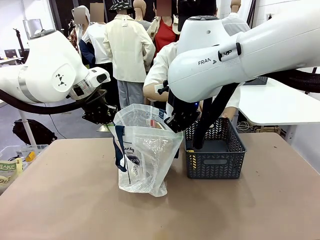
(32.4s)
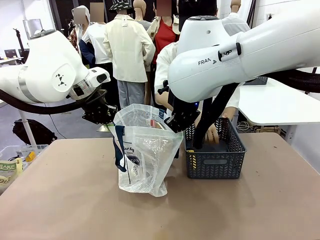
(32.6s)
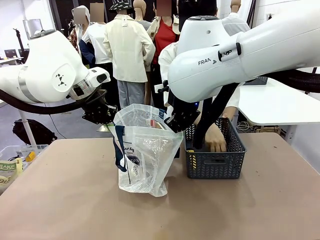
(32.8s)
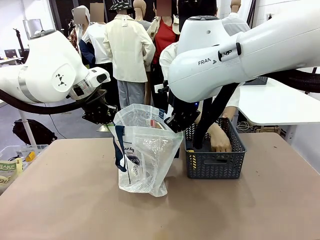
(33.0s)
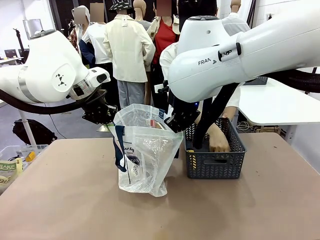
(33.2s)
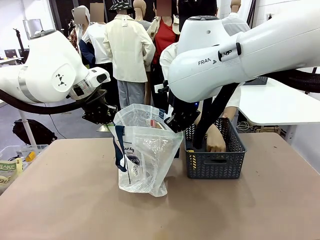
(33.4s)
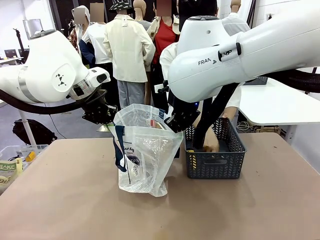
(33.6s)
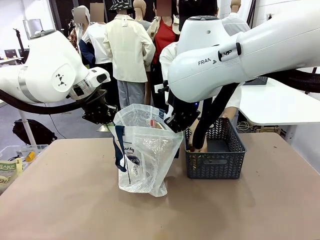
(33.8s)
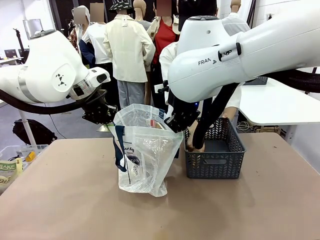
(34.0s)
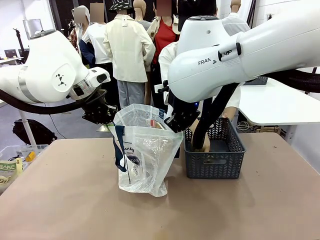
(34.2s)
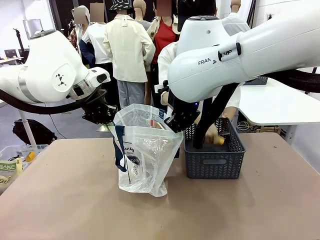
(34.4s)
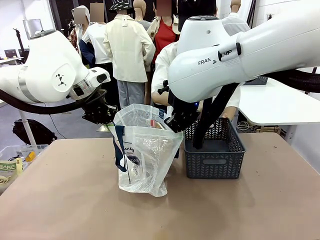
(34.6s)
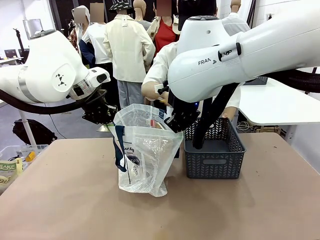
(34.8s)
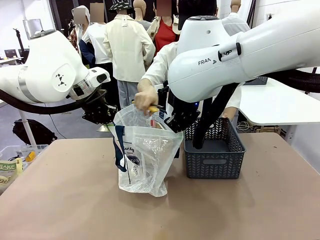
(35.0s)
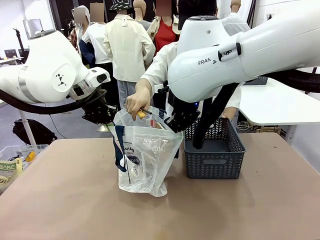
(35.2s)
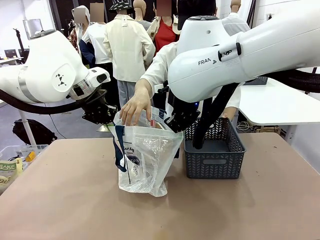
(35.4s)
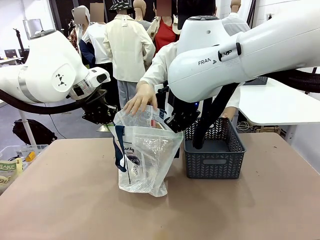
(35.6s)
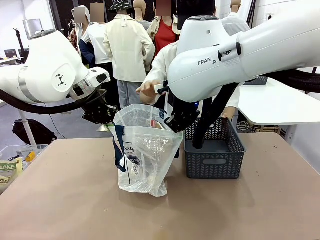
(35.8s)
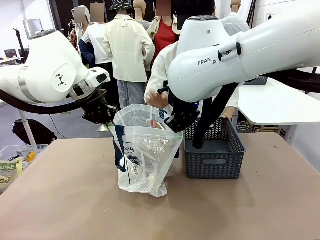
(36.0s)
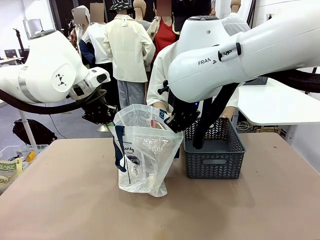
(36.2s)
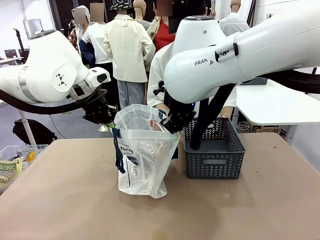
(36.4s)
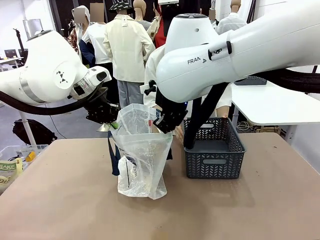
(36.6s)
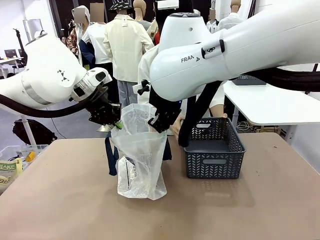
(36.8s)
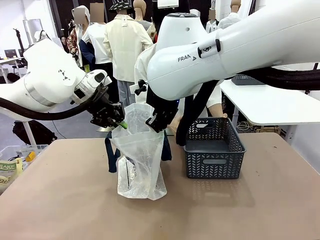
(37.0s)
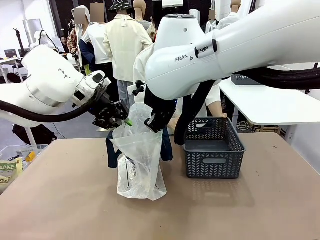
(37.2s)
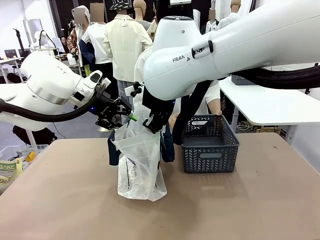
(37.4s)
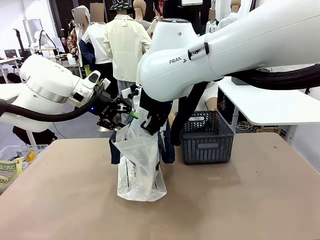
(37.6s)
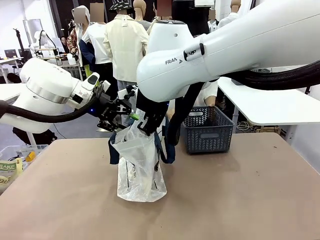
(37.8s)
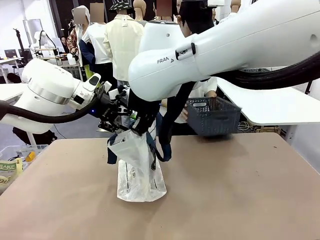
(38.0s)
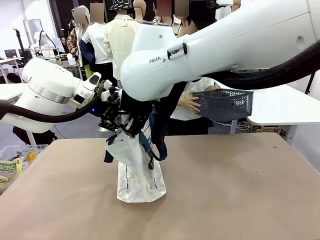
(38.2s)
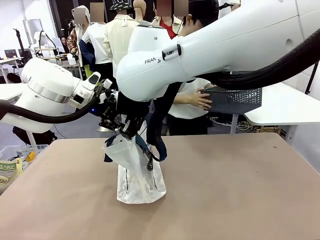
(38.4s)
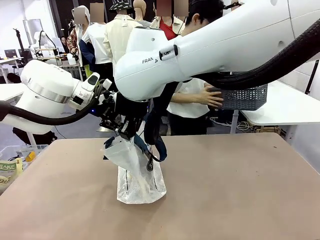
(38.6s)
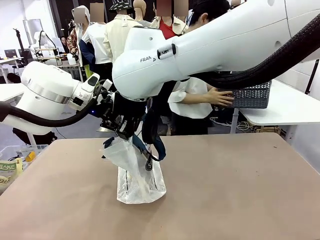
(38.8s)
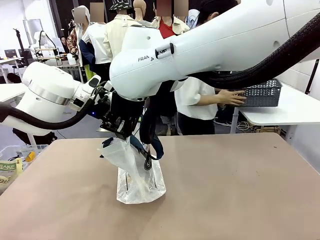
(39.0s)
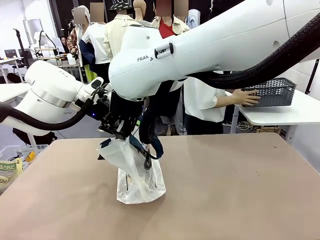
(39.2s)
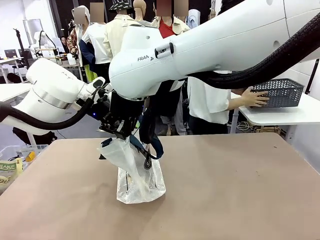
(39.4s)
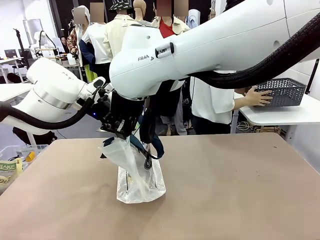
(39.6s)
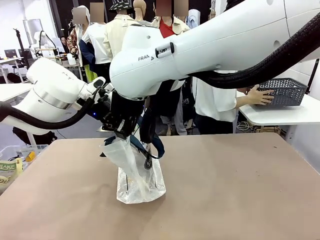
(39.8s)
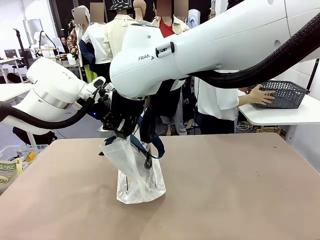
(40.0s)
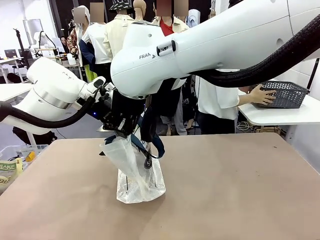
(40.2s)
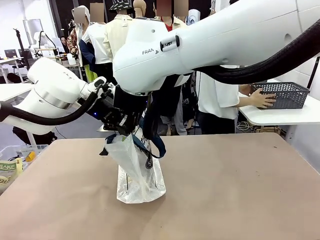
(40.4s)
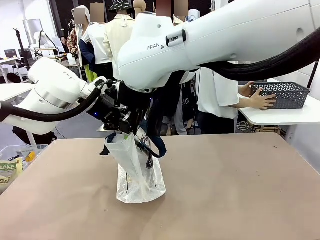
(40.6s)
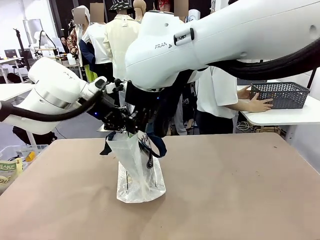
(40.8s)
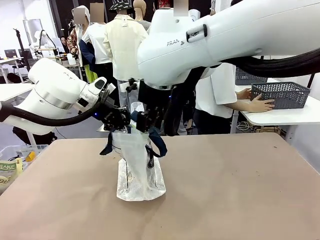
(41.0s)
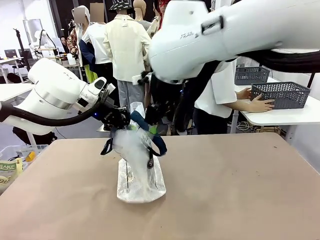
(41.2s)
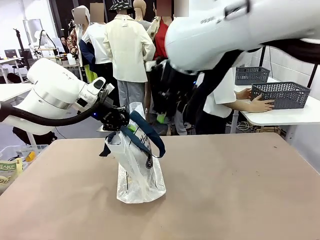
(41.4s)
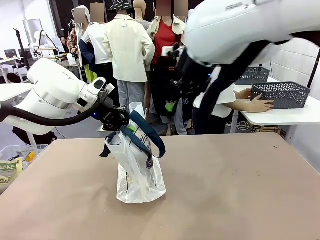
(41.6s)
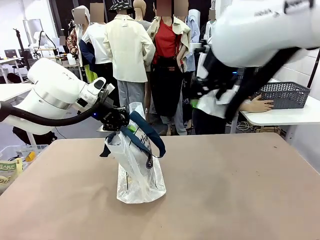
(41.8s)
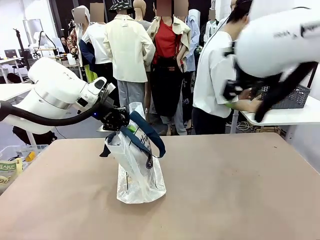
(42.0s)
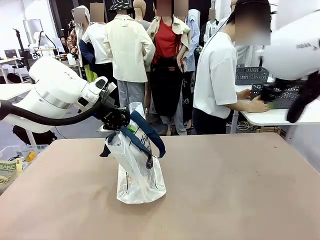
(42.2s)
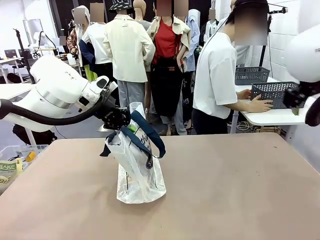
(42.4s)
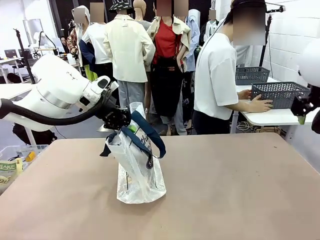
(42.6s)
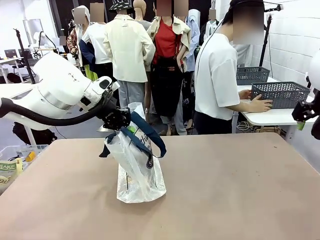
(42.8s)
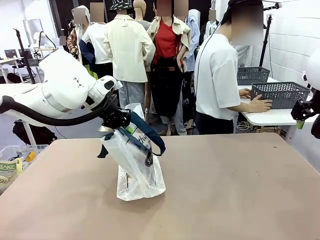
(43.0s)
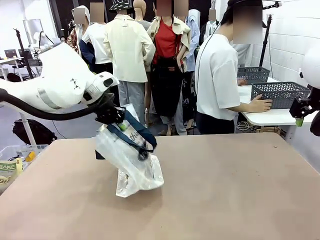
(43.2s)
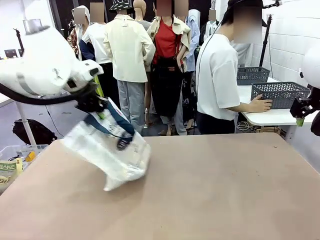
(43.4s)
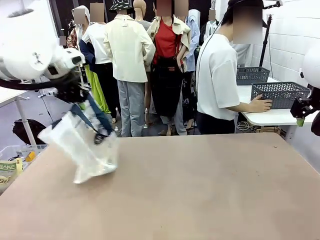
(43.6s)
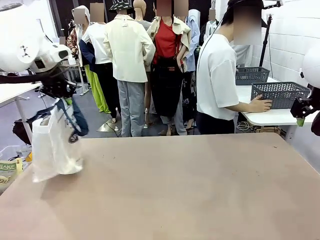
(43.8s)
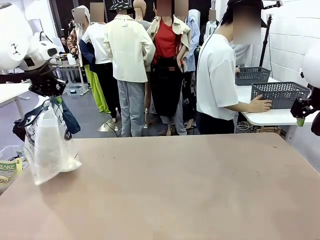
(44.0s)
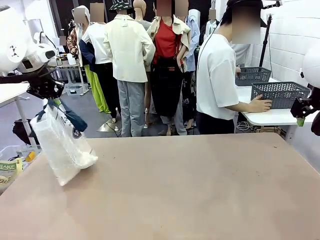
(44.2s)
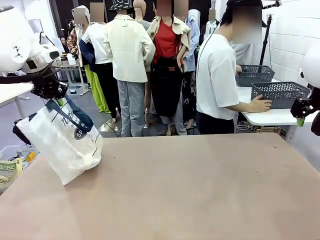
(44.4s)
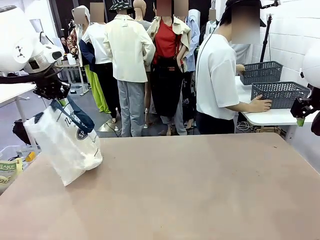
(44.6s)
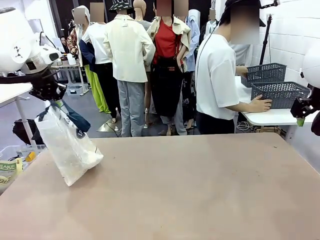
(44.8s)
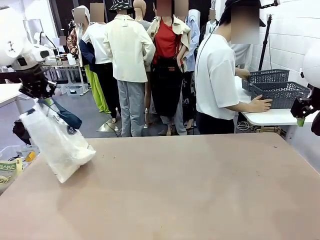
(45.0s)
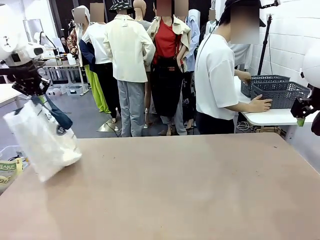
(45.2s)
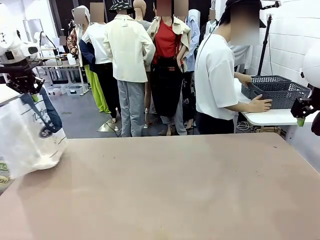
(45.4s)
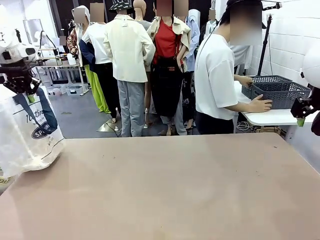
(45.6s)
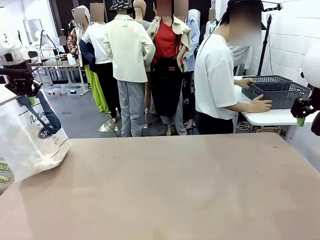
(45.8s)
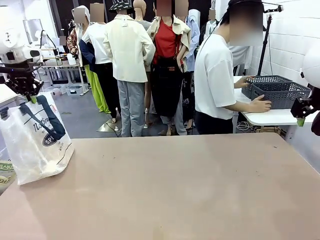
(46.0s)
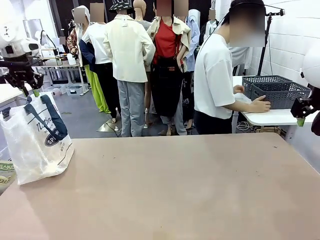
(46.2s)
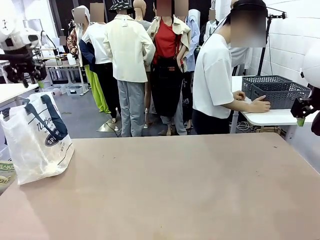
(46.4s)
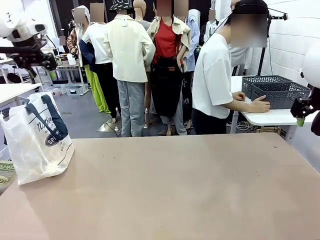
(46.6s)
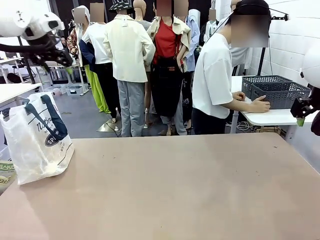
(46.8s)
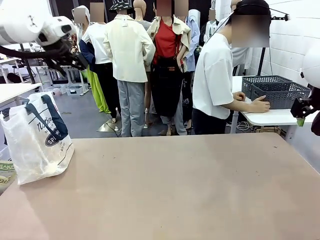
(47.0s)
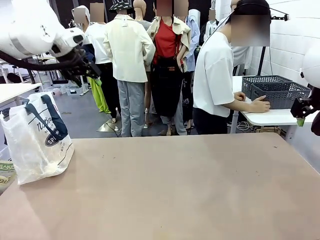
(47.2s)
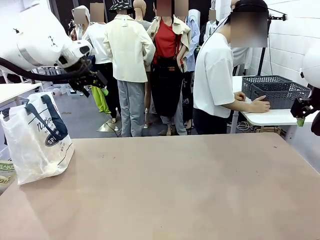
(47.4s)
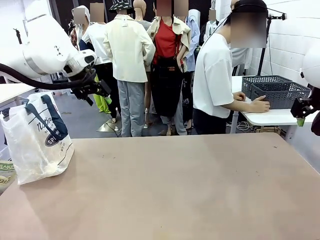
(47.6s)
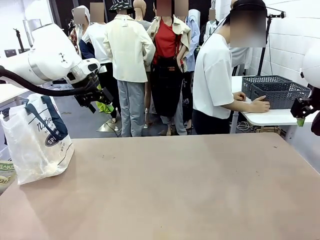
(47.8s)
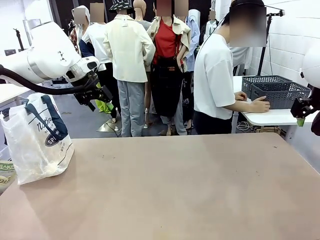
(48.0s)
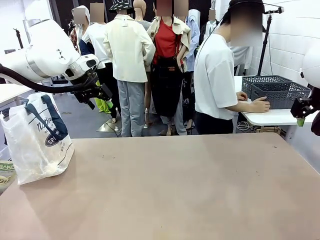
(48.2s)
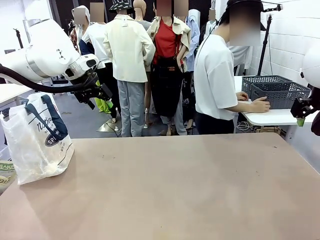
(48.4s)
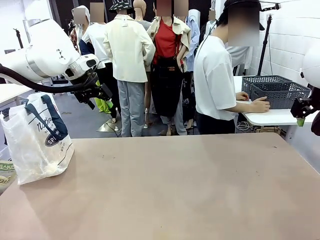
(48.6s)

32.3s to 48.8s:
Task: Transfer purchased items from the store into the shopping bag.
Robot: Move the Reusable shopping bag to the right side of the table.
Person: Move the basket on the left to the middle of the person's table.

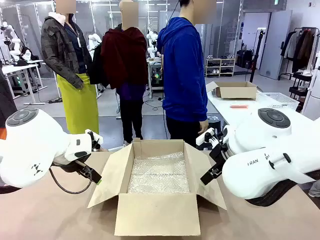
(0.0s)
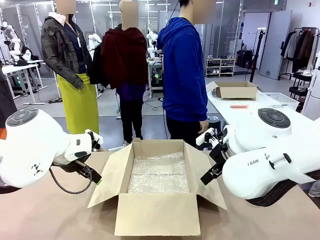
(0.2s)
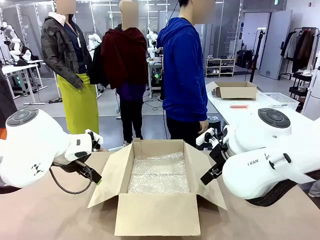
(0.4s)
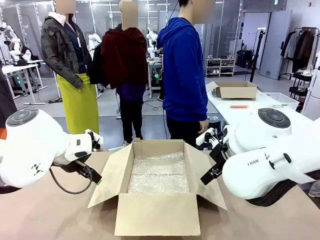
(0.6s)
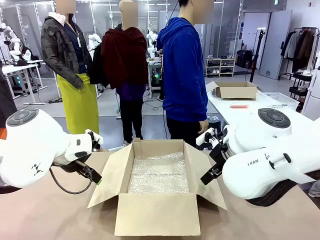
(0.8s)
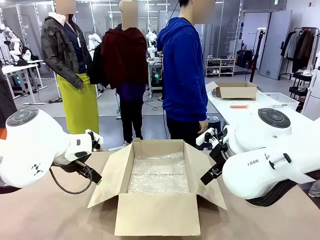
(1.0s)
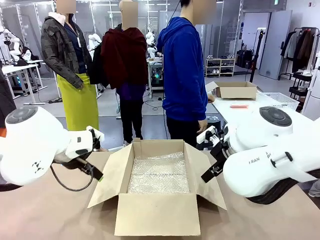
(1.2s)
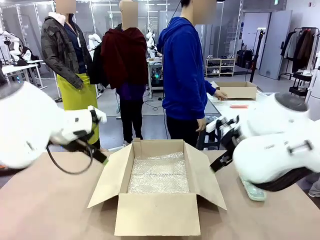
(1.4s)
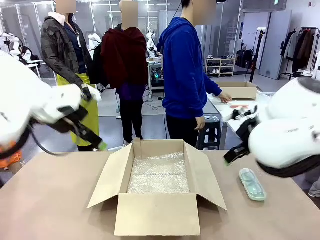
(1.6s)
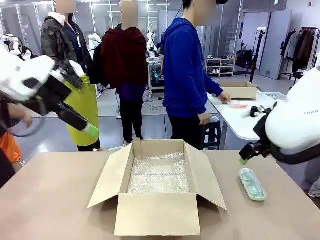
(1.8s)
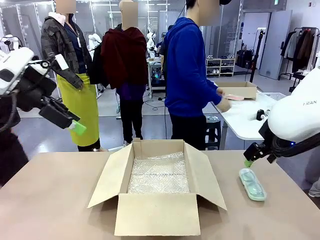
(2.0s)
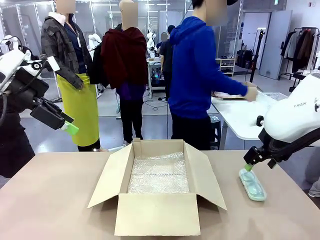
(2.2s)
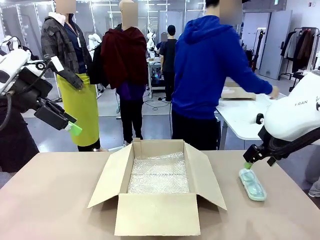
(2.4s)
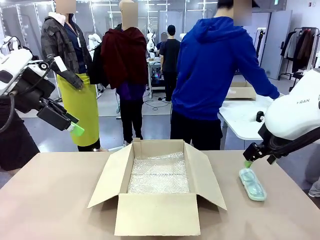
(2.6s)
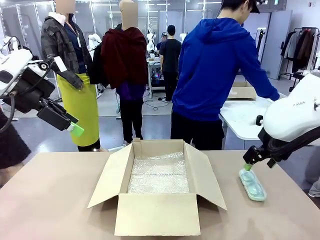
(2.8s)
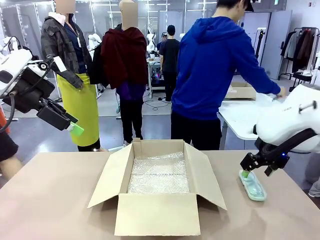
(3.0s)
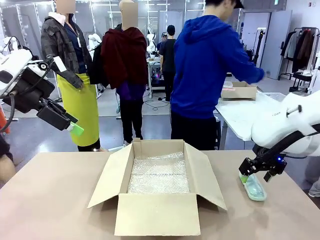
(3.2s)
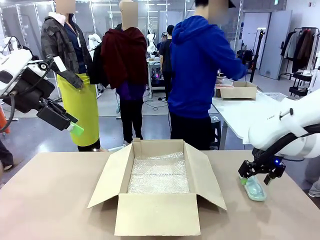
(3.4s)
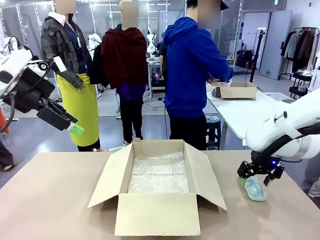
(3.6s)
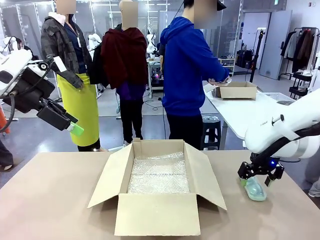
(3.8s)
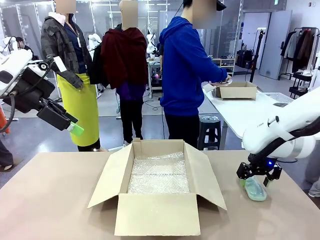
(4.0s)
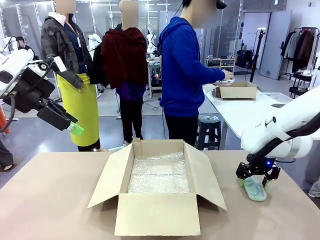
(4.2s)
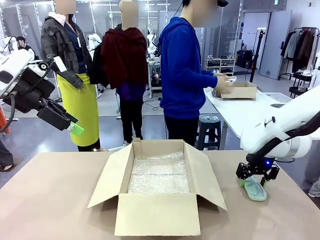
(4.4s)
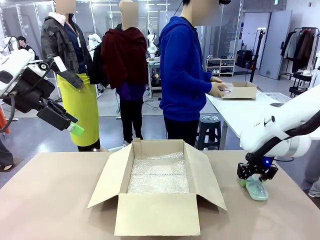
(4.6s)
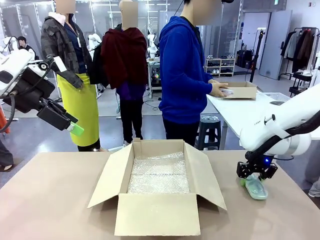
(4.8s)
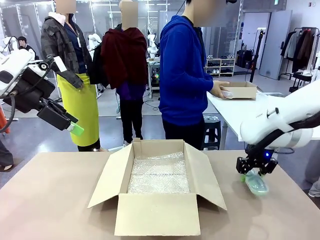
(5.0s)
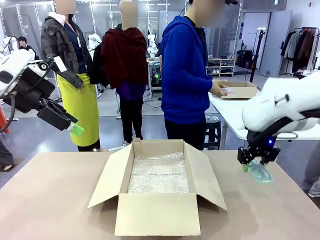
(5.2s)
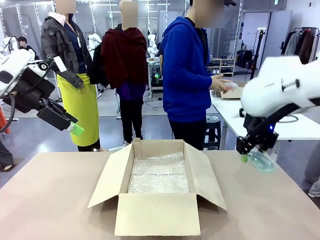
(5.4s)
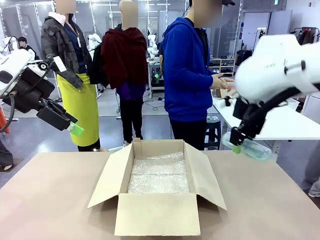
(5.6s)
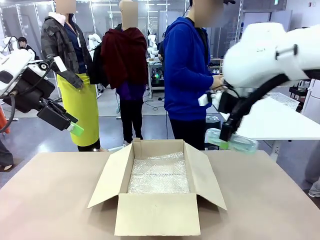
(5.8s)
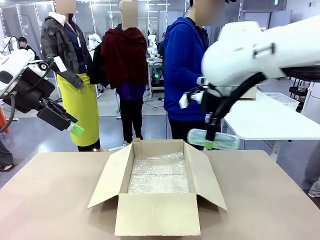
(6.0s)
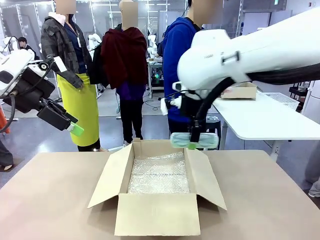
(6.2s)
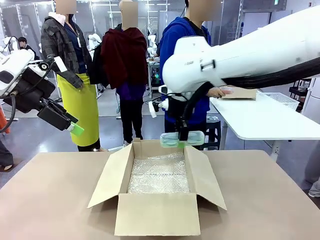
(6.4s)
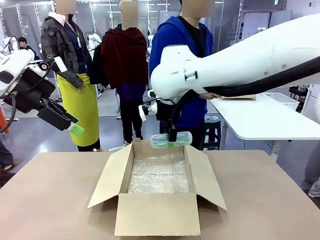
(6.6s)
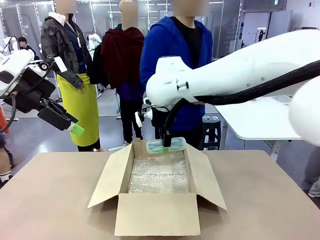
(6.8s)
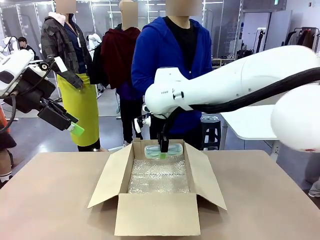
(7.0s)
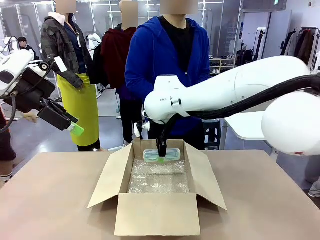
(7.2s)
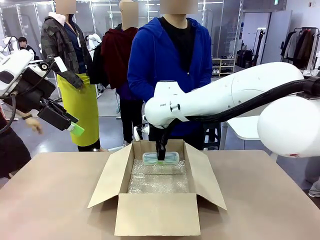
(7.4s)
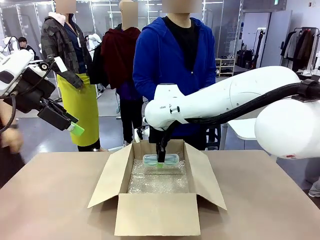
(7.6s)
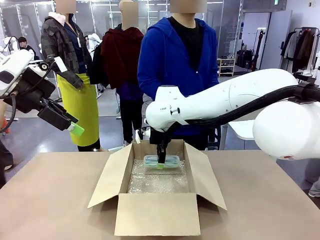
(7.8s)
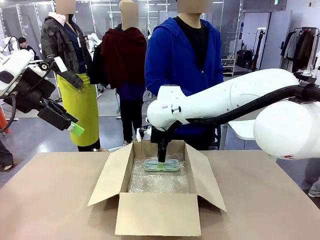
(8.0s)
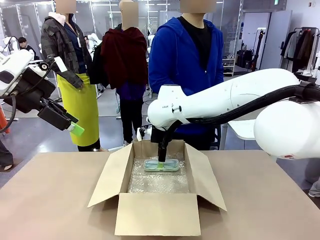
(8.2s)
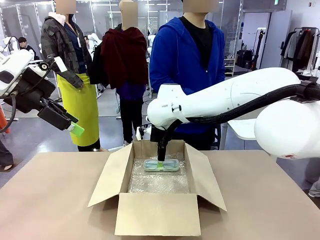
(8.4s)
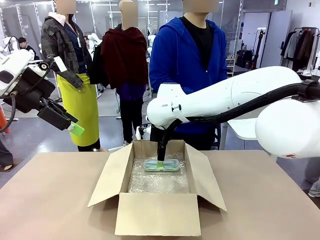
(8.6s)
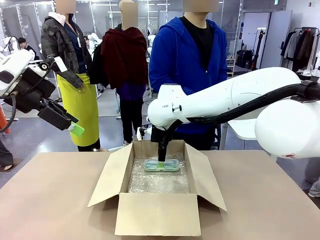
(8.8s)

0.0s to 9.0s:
Task: Pack the glasses set securely to prepare it for shipping.
Robot: Place the Glasses case inside the Package Box.
Person: Place the Glasses inside the Glasses case.
